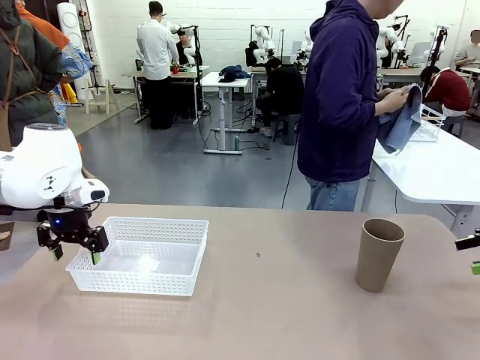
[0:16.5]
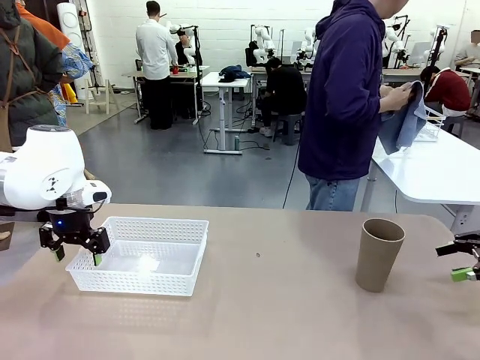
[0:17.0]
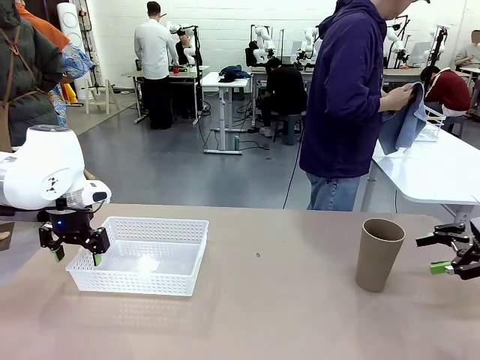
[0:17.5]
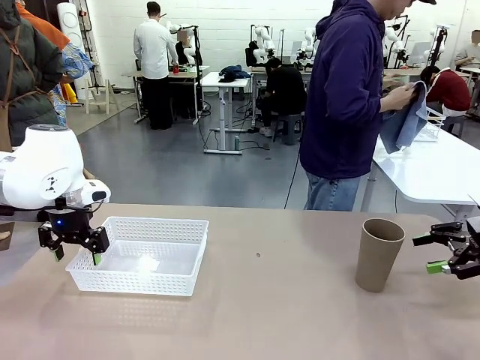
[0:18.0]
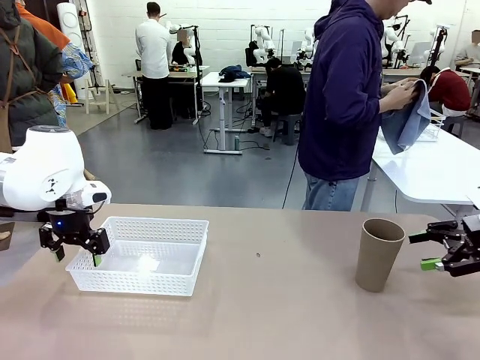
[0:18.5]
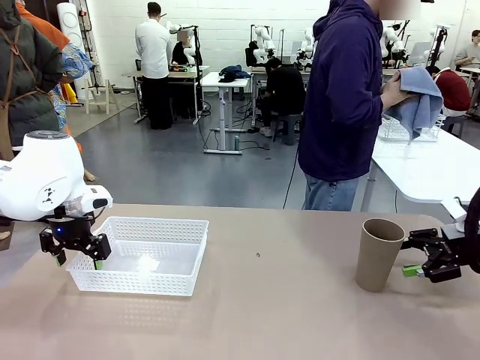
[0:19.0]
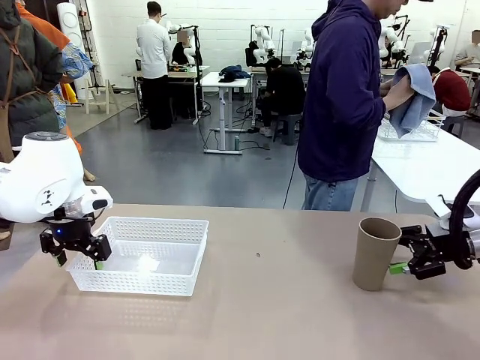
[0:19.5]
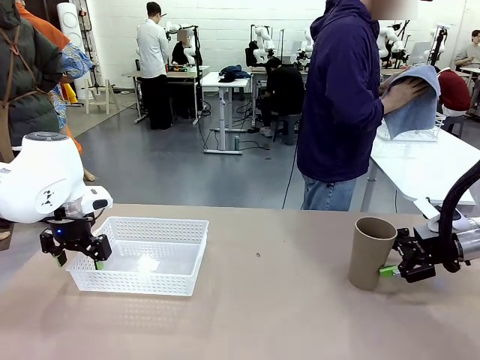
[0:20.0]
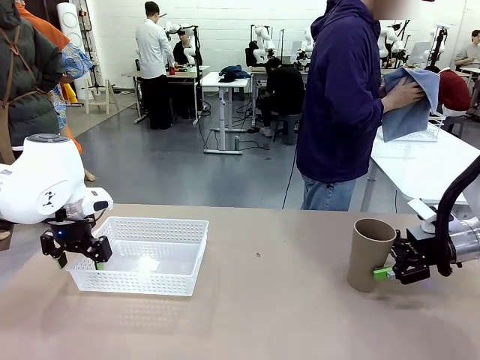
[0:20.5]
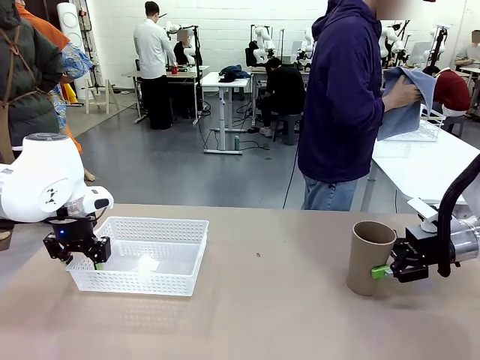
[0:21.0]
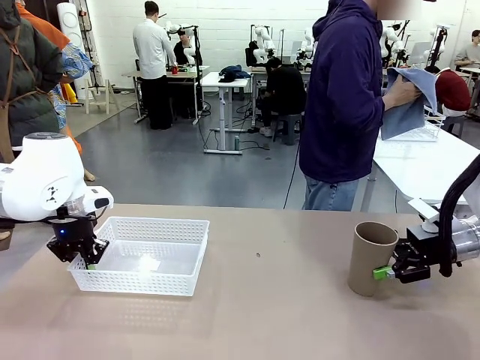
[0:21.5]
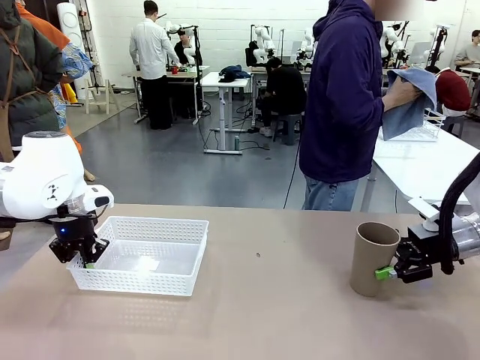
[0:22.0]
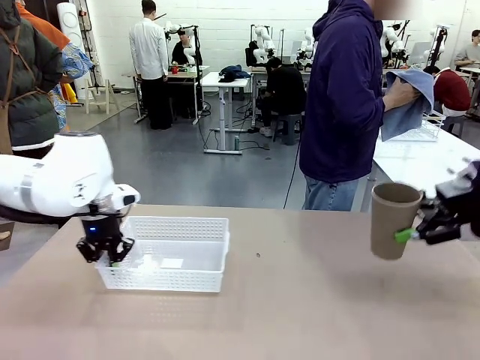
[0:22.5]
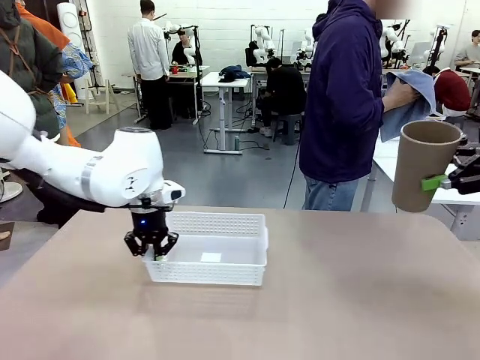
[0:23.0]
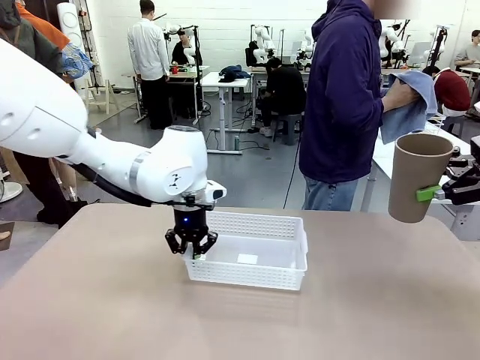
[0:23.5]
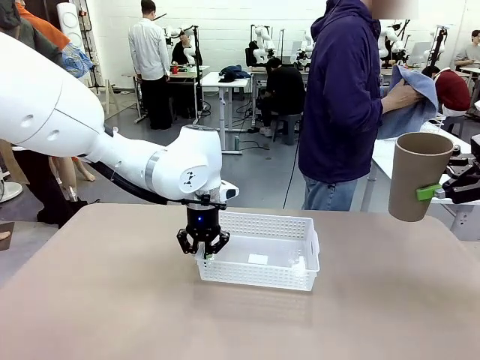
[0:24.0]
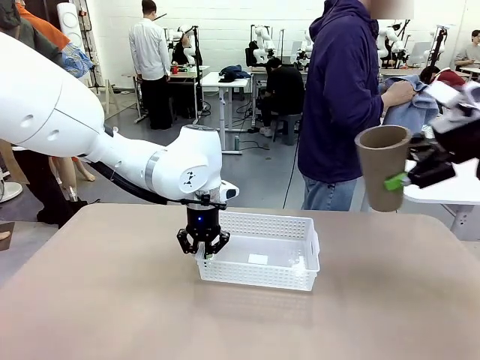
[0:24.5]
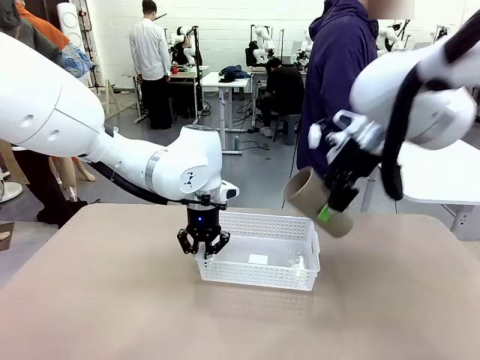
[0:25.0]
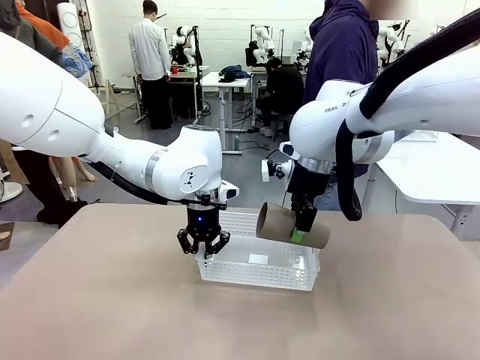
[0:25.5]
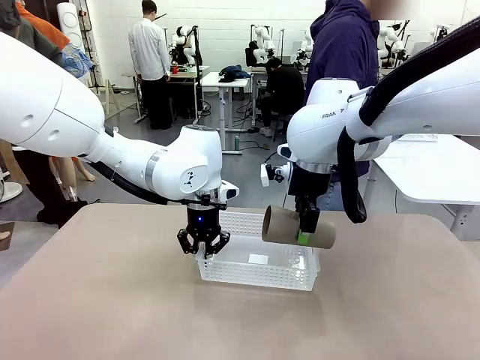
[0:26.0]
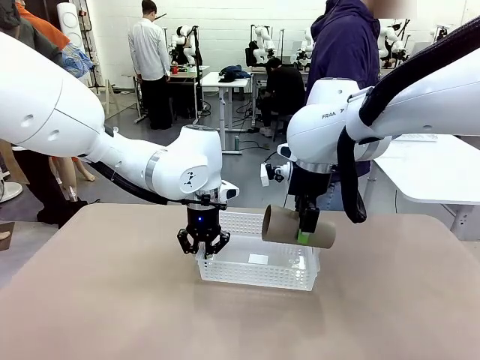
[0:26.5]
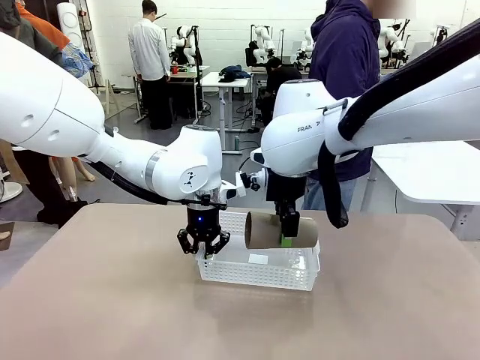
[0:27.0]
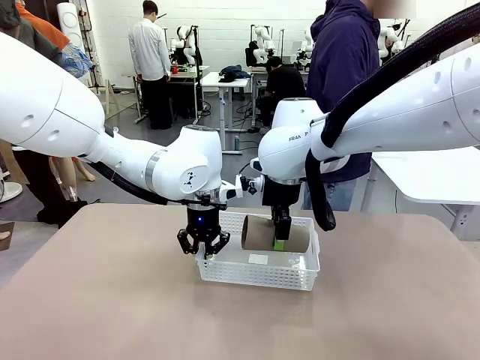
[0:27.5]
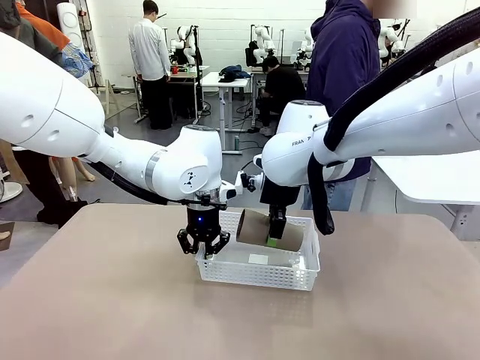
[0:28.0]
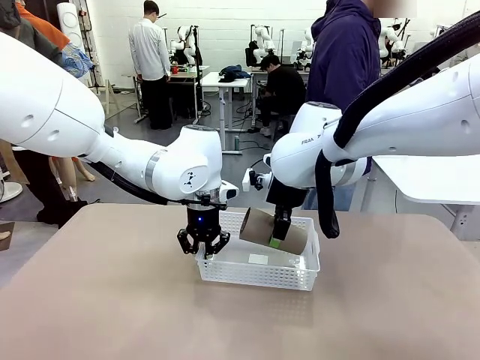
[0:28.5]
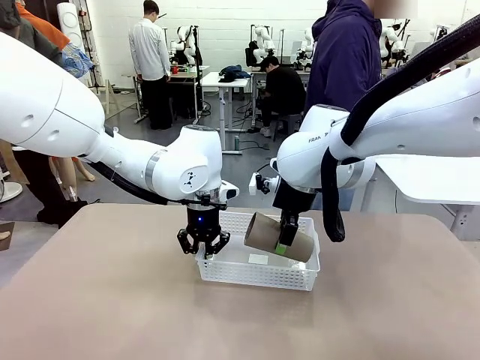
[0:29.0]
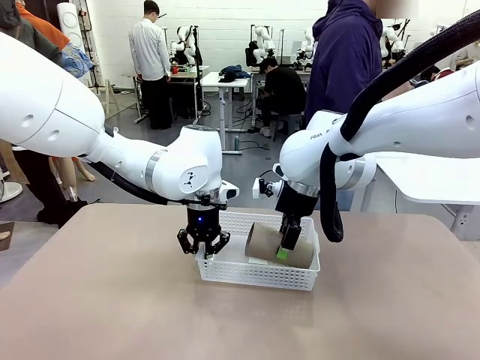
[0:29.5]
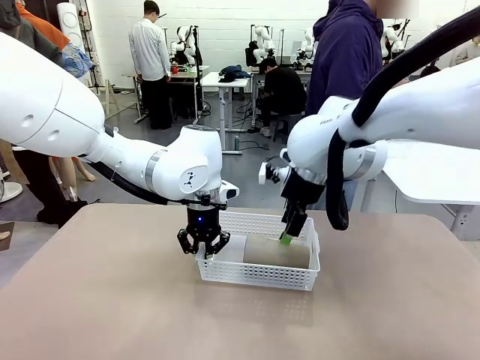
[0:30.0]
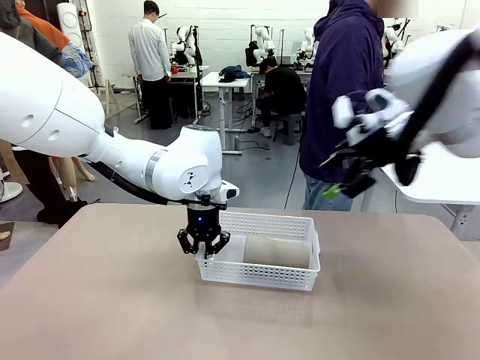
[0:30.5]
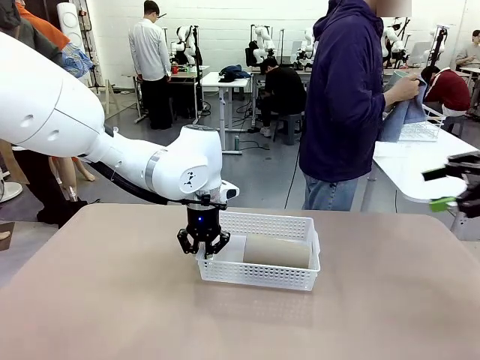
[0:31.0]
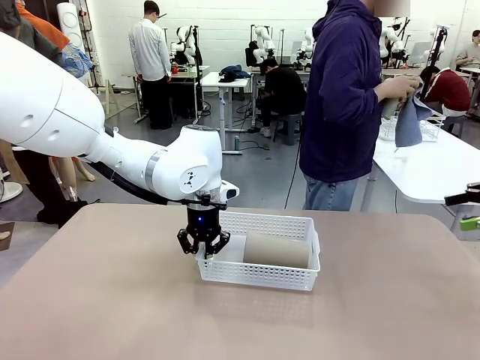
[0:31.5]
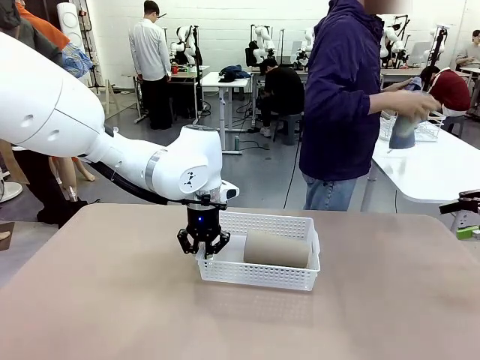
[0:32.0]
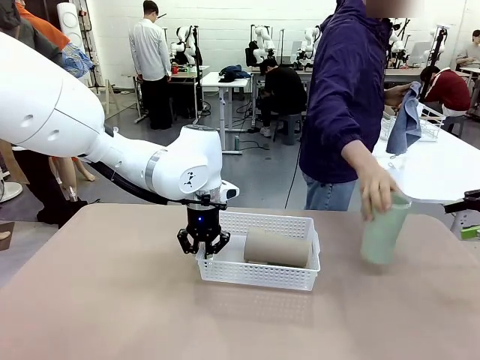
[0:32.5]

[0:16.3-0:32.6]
Task: Clean and organize the cups into the basket.
Robot: Pick up the Organizing basket and move it to the center of the table, then pick up the Reusable plastic cup from the right side of the table and place it inside the Organizing basket.

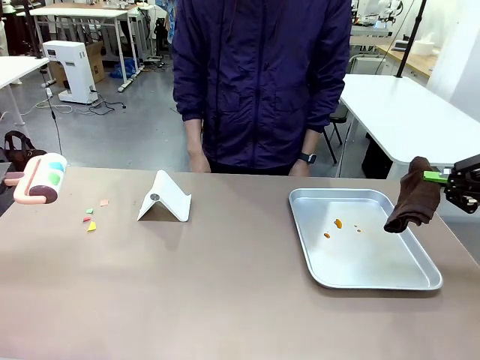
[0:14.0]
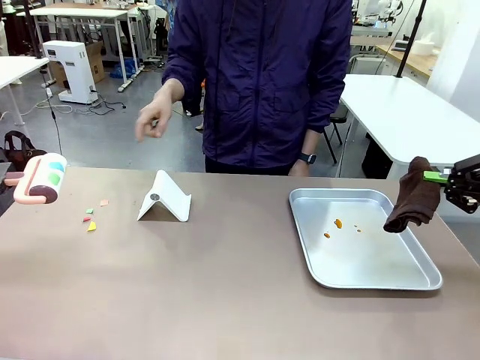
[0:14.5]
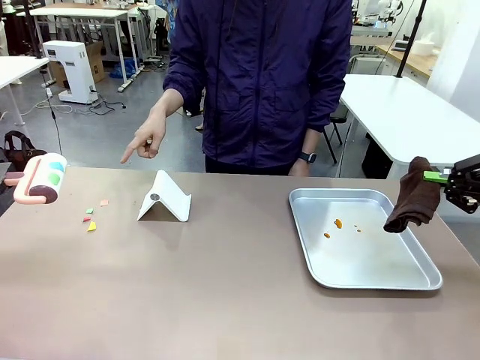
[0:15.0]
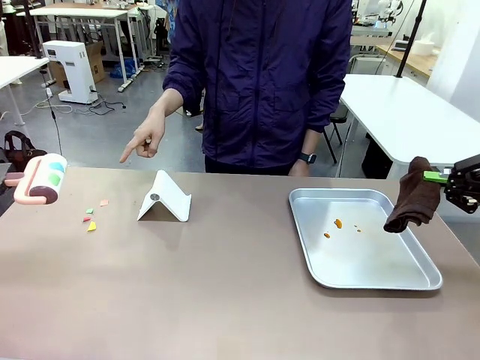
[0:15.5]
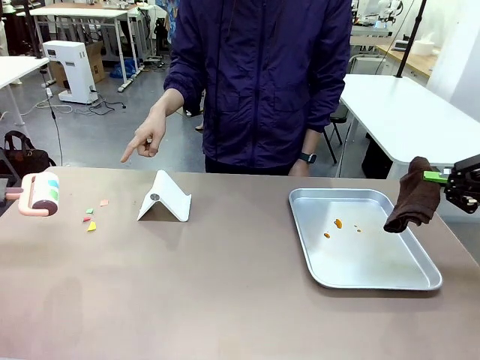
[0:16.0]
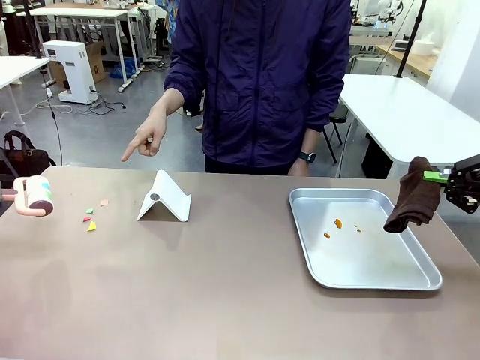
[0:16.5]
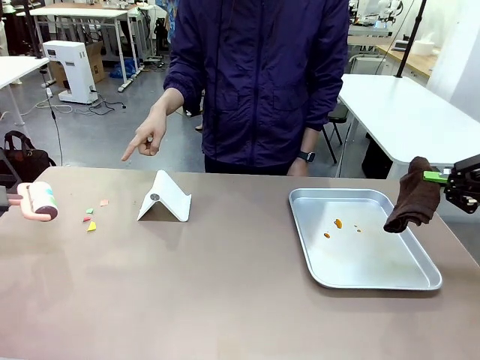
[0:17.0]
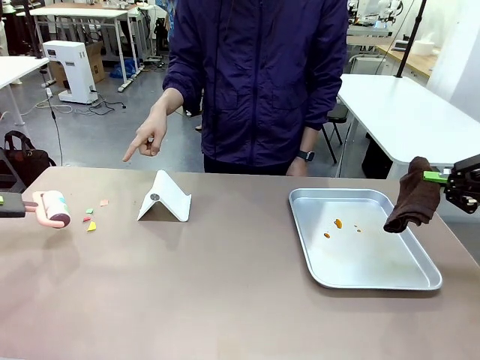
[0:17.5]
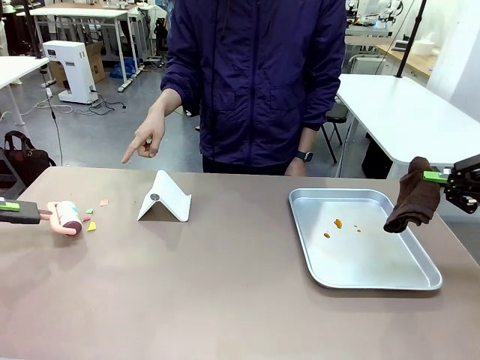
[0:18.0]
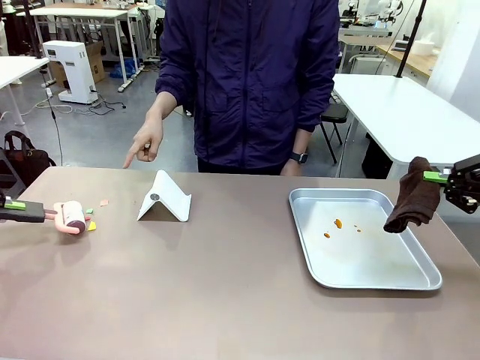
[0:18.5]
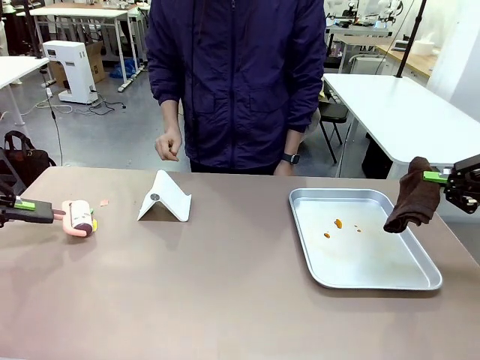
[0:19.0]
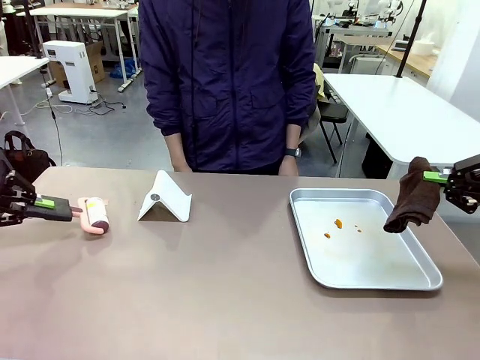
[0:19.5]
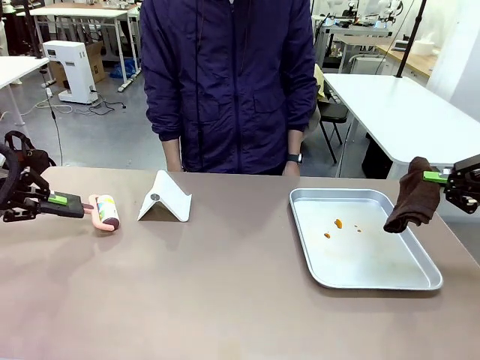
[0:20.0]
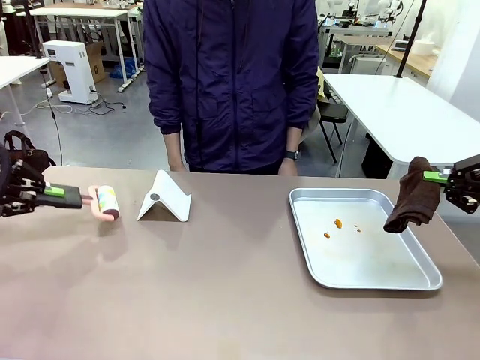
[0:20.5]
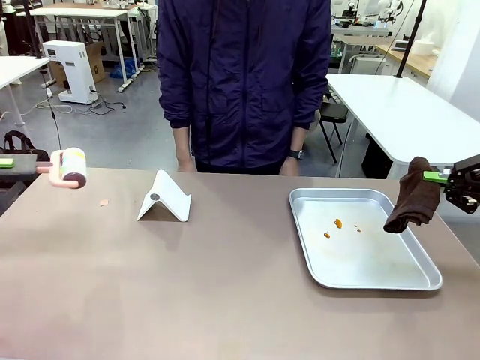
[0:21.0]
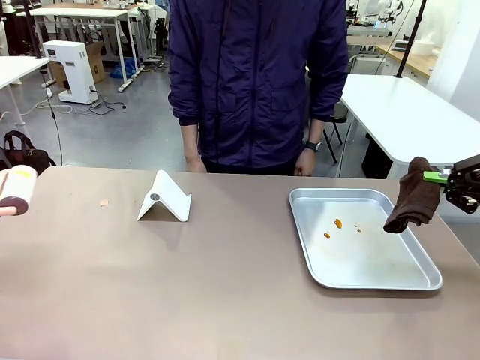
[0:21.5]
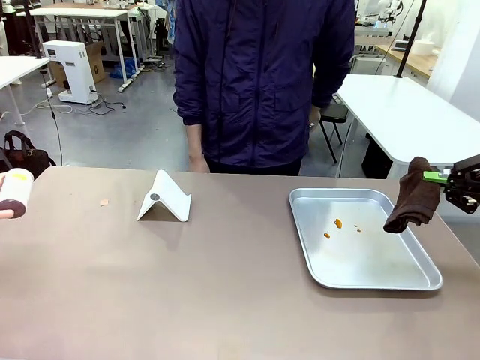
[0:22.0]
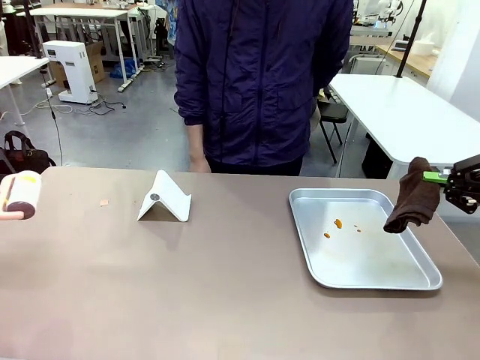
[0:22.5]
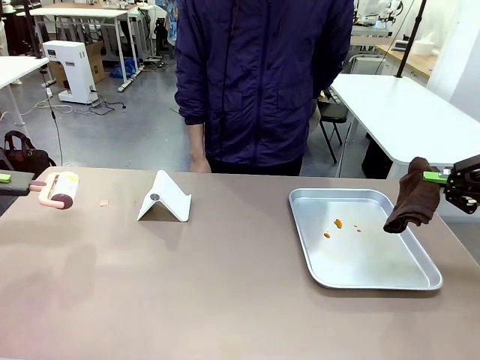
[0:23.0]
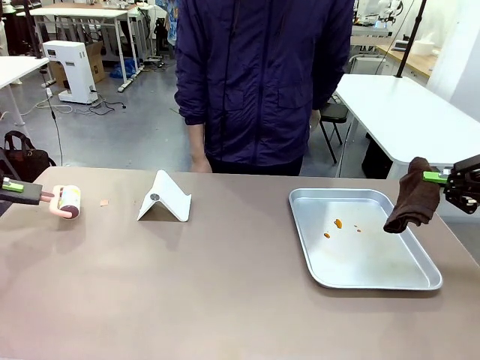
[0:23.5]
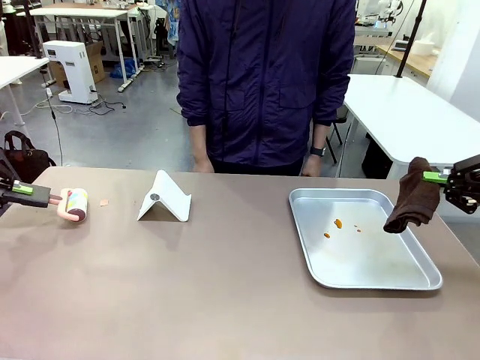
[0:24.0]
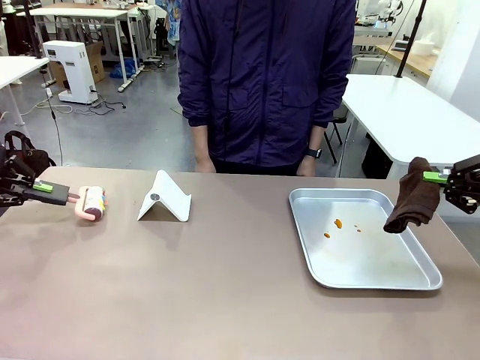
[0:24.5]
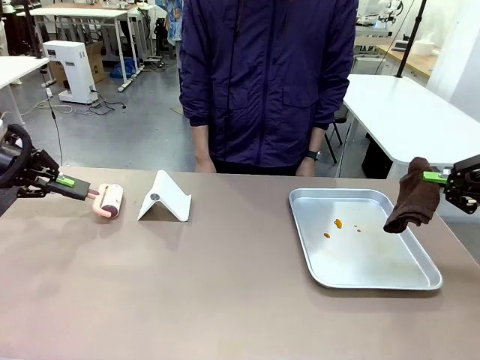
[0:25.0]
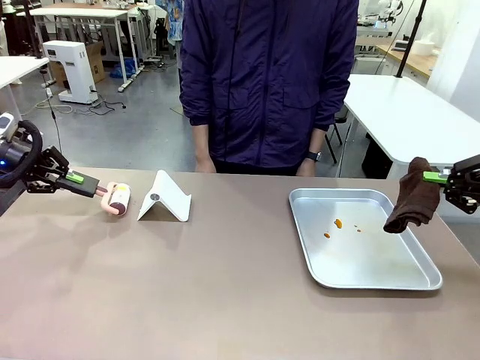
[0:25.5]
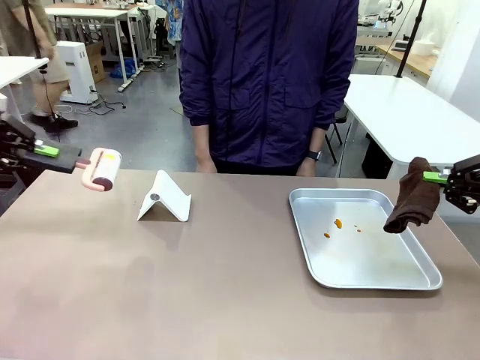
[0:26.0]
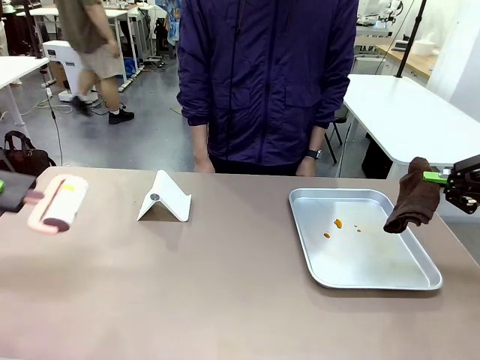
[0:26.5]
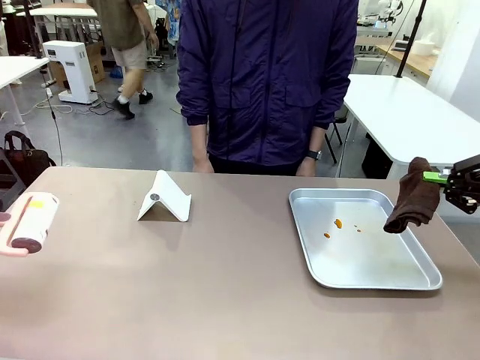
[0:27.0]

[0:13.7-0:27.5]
Task: Clean the surface of the table.
Robot: If a person points to the right, clean the right side of the table with your right hand, and if they point to the left, clean the left side with your left hand.
